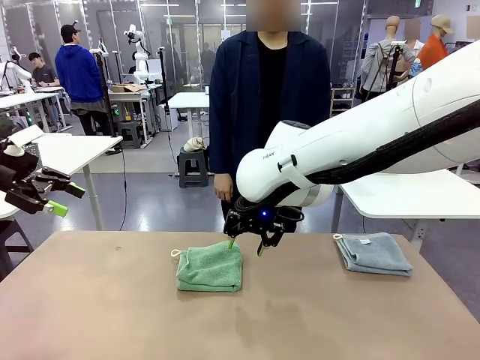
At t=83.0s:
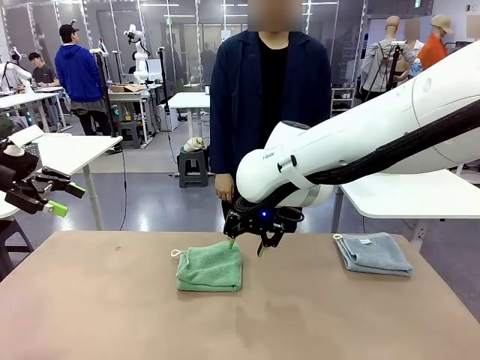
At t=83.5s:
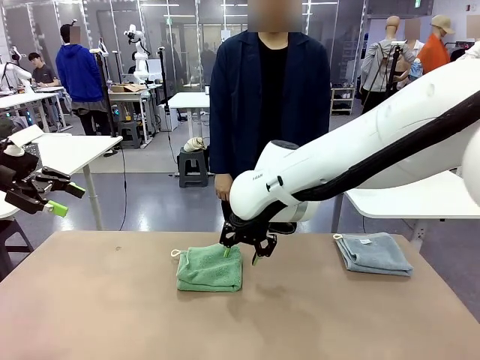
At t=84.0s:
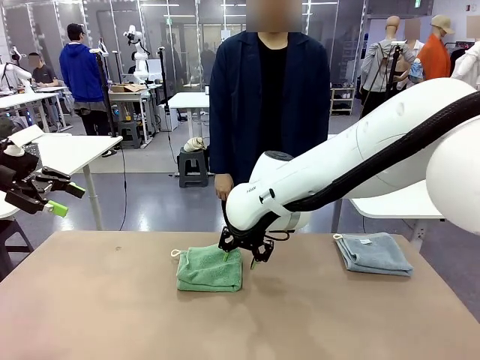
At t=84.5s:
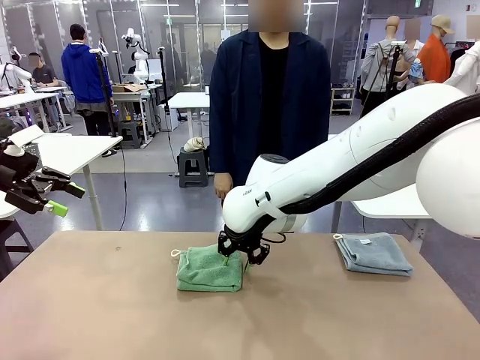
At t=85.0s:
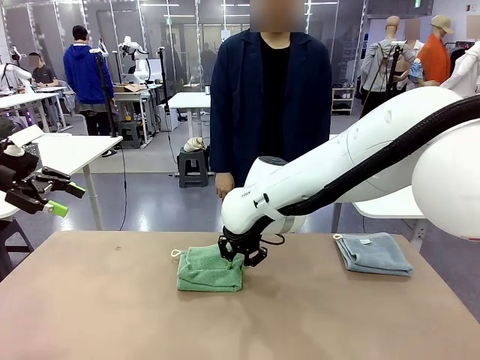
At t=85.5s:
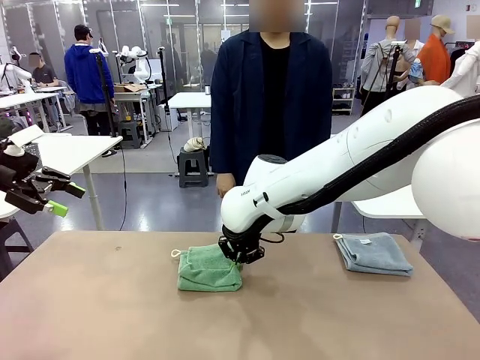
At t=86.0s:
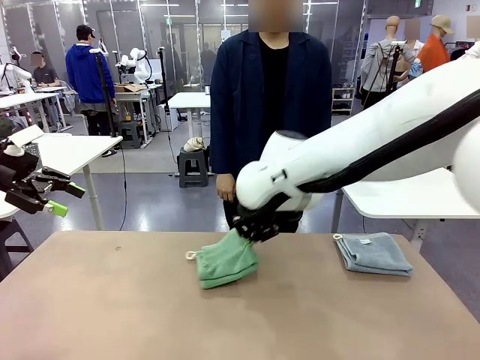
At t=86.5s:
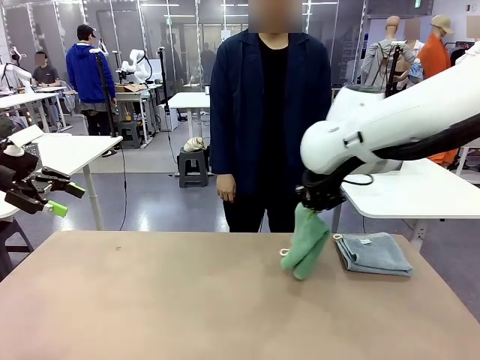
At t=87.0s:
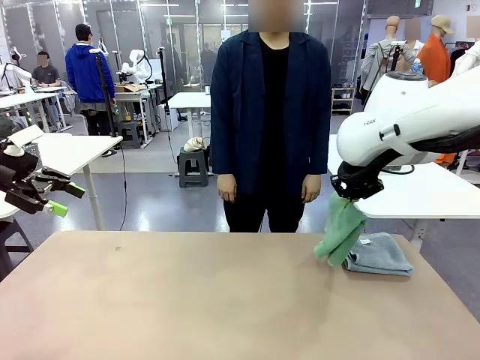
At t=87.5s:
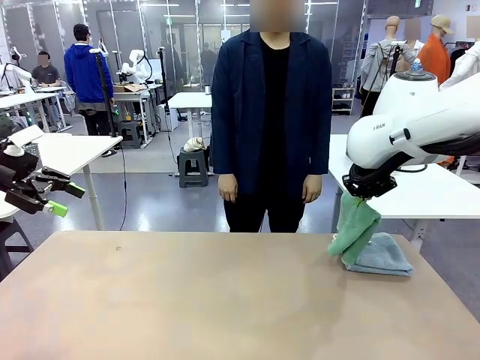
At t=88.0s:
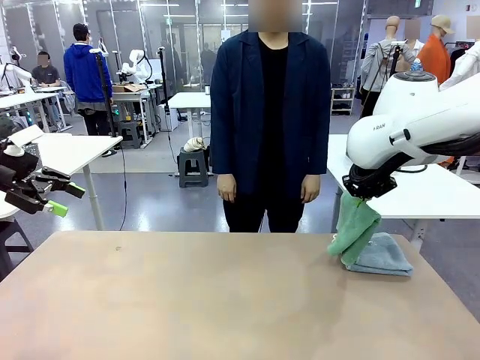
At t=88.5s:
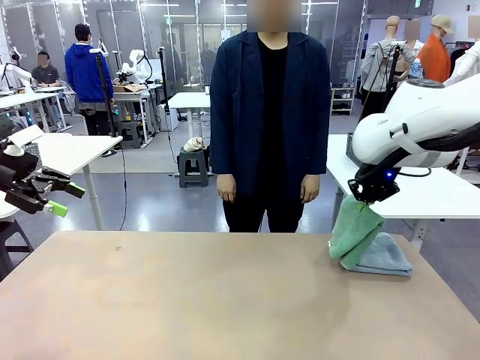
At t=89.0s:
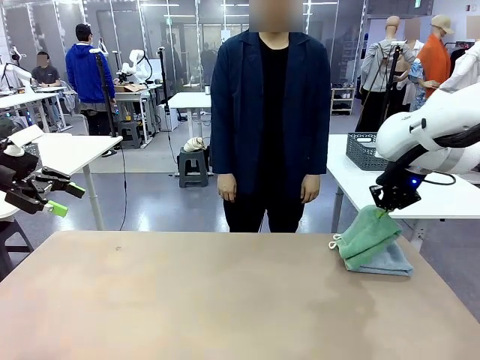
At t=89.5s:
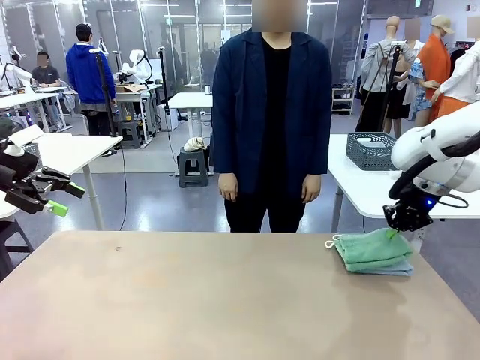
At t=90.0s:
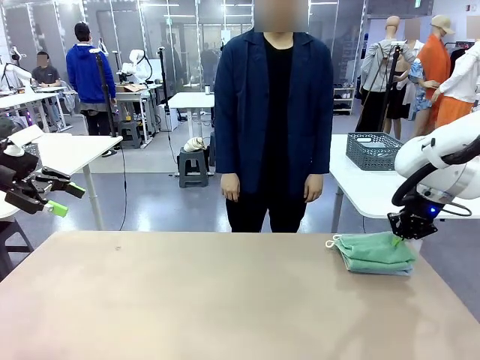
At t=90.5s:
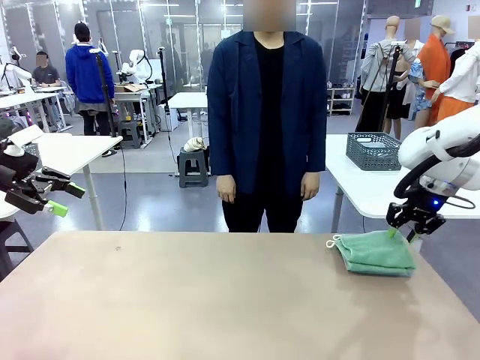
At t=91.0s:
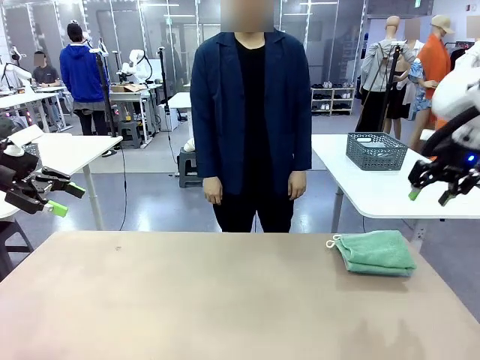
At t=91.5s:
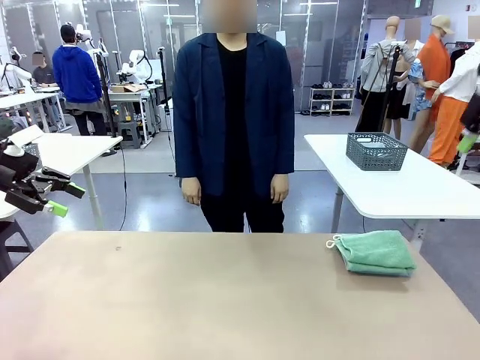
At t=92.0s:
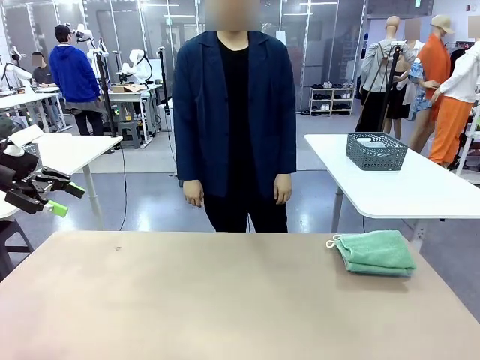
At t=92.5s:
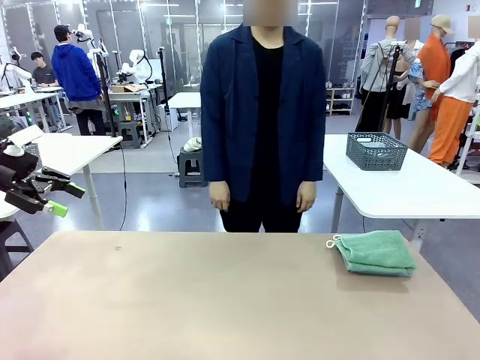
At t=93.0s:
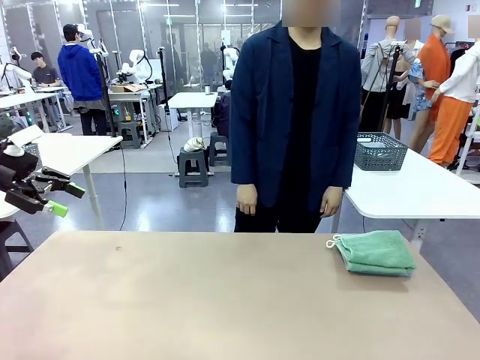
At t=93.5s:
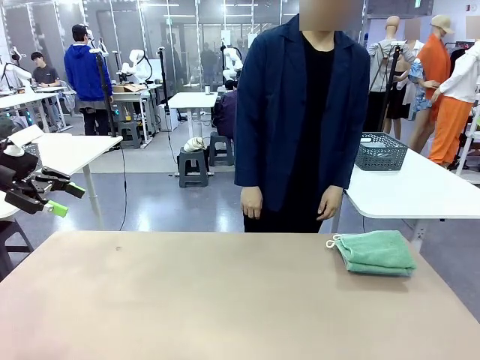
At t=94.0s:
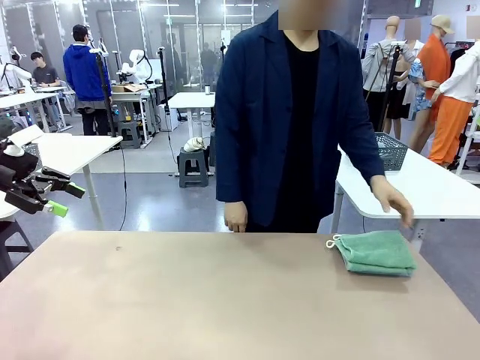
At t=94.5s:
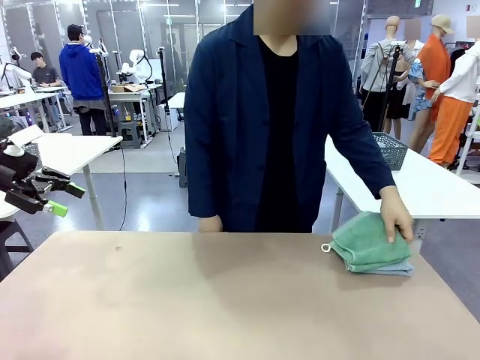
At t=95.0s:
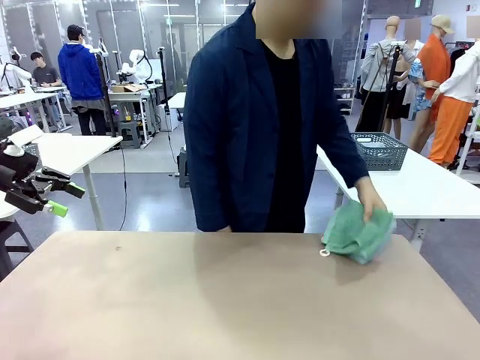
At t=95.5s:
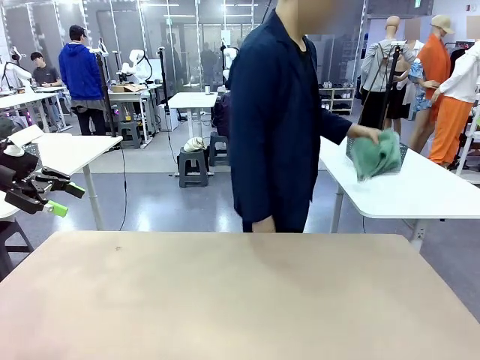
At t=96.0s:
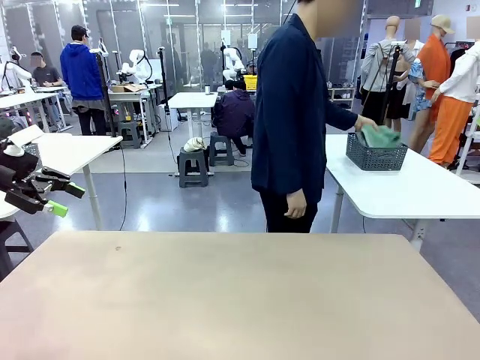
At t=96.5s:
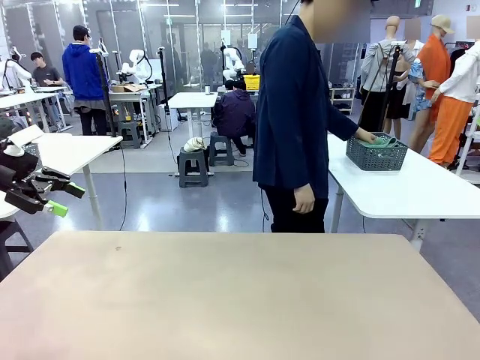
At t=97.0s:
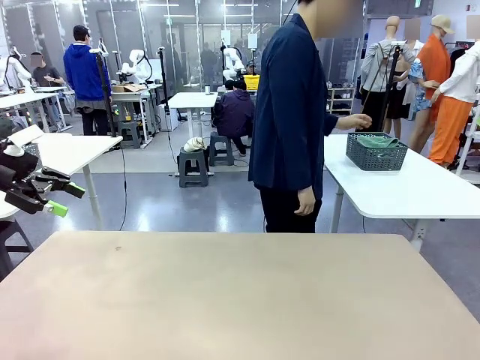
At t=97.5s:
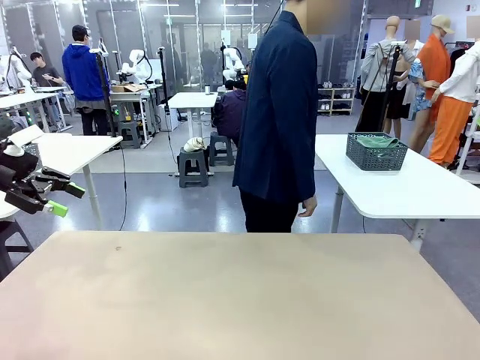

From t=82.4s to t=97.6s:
Task: Fold the towels and place them in the basket.
Robot: Stack the folded Towel with hook on the right side of the table.
Person: Pick up the stack of towels from the robot table and place it into the basket.
